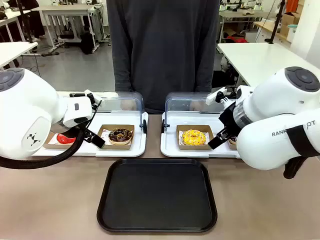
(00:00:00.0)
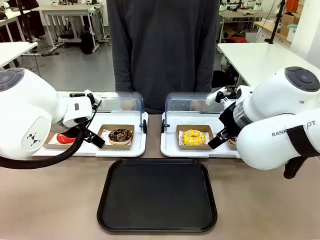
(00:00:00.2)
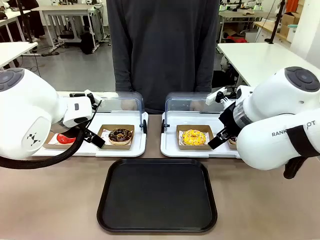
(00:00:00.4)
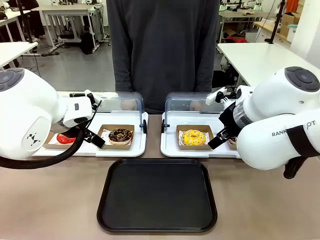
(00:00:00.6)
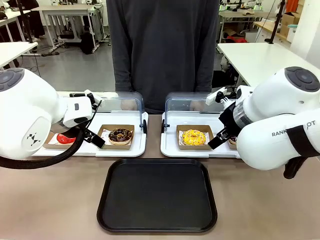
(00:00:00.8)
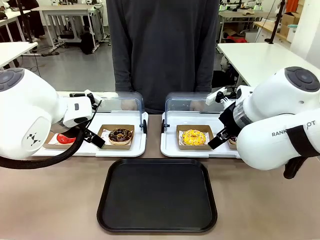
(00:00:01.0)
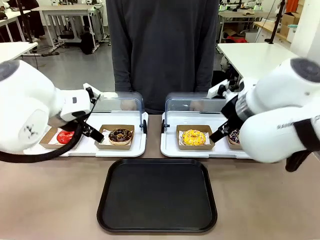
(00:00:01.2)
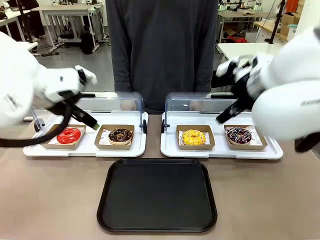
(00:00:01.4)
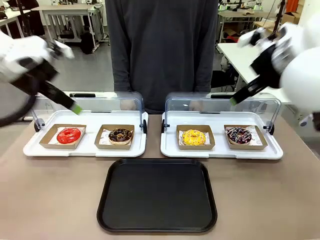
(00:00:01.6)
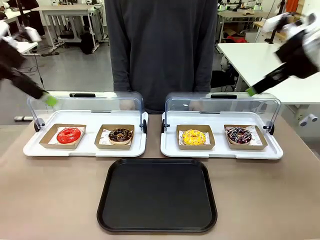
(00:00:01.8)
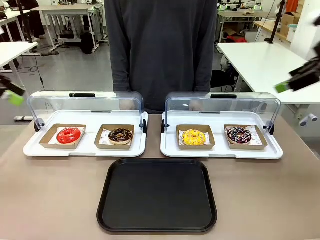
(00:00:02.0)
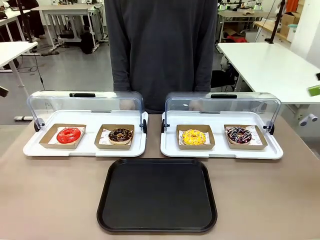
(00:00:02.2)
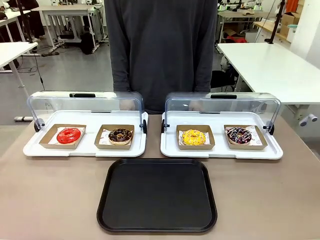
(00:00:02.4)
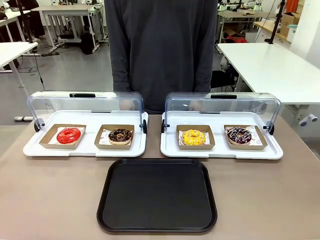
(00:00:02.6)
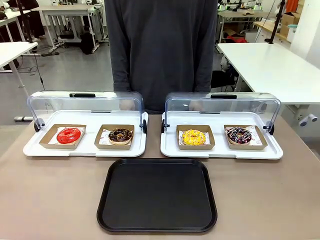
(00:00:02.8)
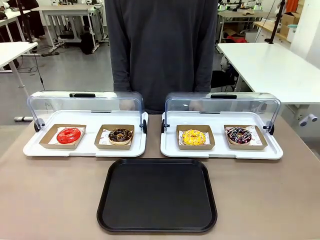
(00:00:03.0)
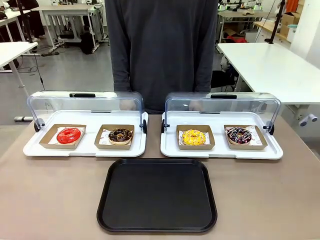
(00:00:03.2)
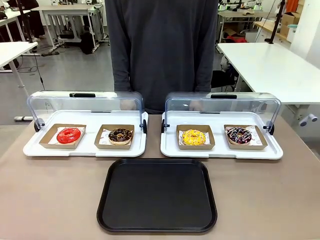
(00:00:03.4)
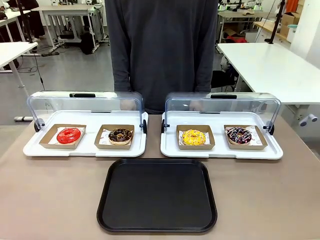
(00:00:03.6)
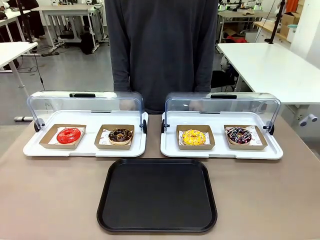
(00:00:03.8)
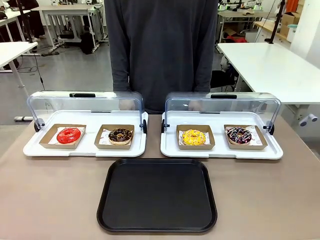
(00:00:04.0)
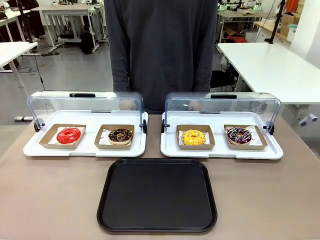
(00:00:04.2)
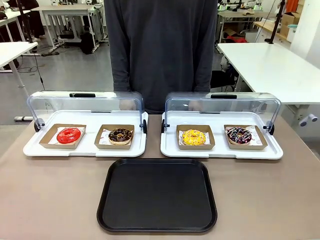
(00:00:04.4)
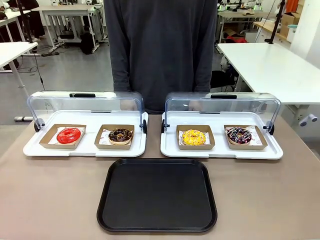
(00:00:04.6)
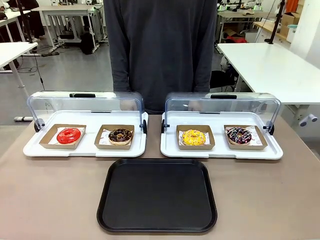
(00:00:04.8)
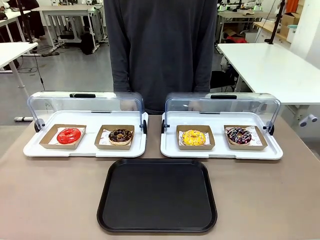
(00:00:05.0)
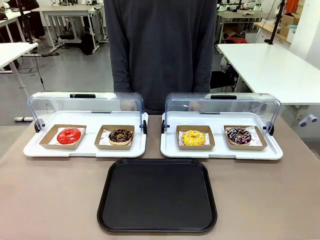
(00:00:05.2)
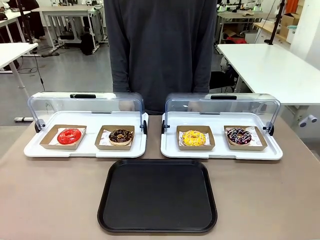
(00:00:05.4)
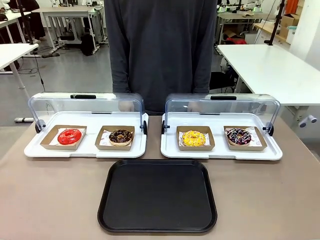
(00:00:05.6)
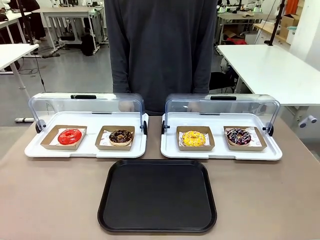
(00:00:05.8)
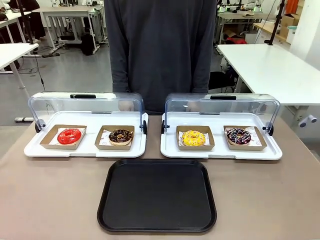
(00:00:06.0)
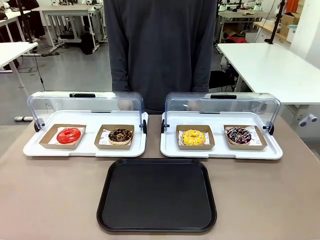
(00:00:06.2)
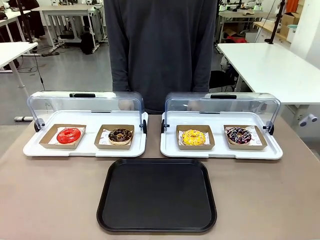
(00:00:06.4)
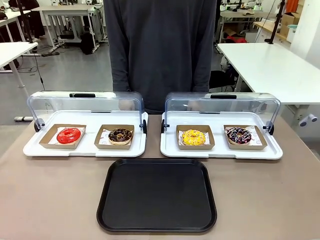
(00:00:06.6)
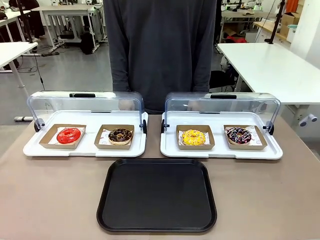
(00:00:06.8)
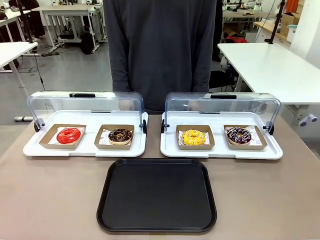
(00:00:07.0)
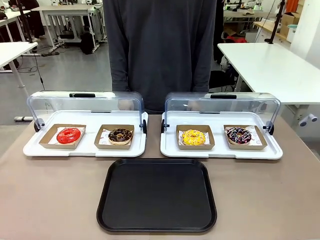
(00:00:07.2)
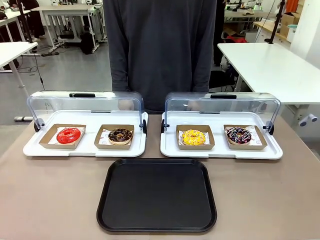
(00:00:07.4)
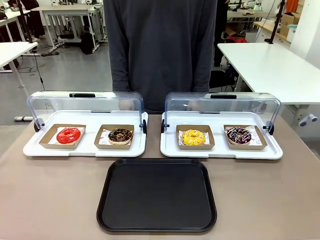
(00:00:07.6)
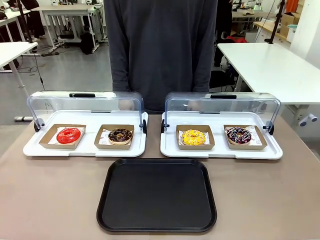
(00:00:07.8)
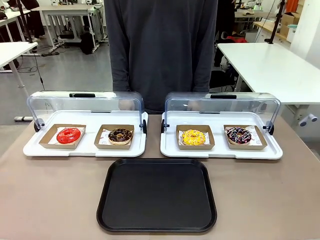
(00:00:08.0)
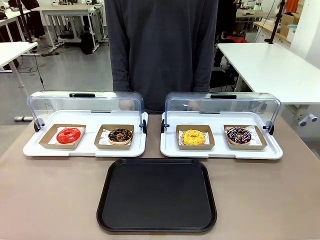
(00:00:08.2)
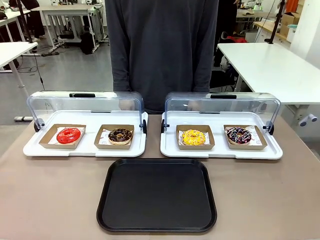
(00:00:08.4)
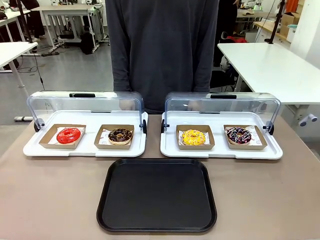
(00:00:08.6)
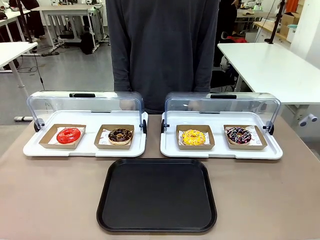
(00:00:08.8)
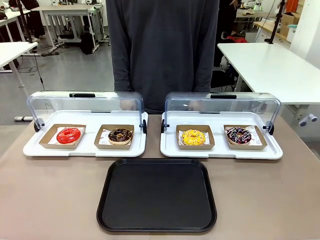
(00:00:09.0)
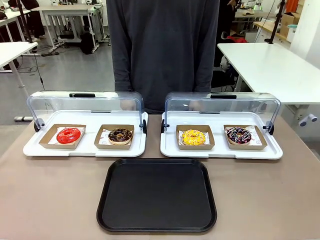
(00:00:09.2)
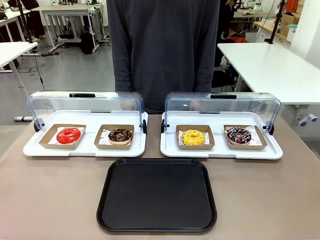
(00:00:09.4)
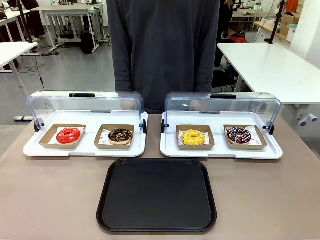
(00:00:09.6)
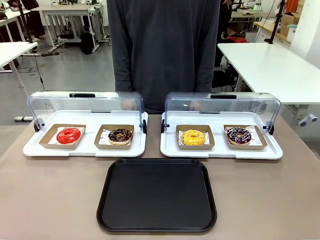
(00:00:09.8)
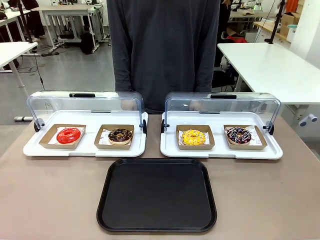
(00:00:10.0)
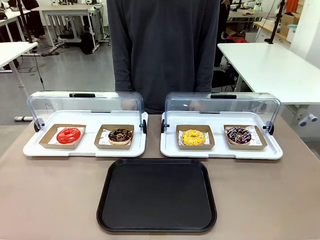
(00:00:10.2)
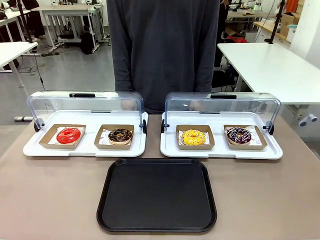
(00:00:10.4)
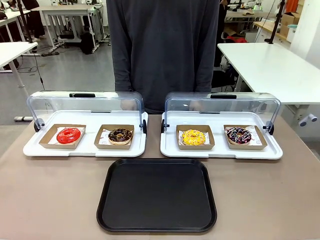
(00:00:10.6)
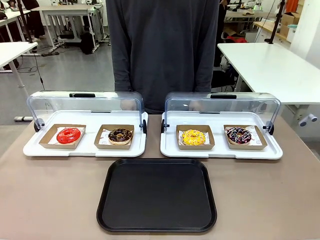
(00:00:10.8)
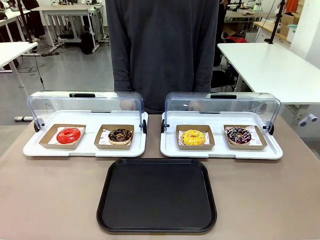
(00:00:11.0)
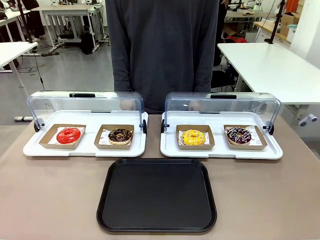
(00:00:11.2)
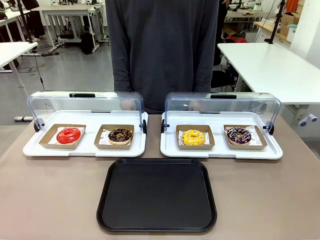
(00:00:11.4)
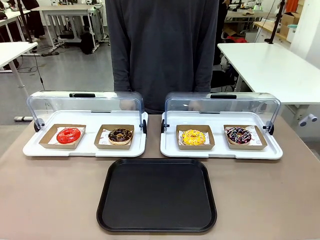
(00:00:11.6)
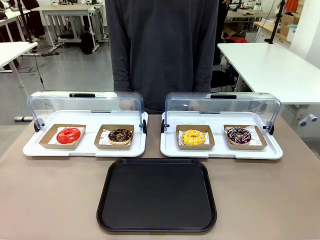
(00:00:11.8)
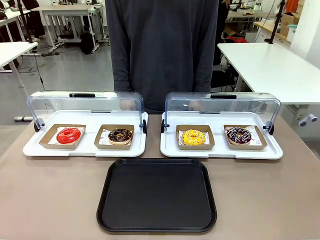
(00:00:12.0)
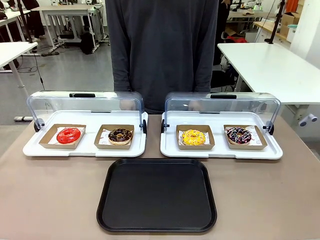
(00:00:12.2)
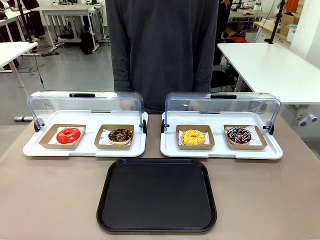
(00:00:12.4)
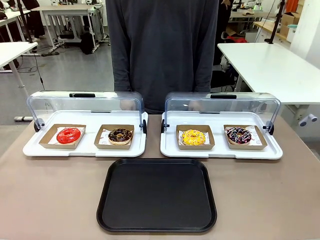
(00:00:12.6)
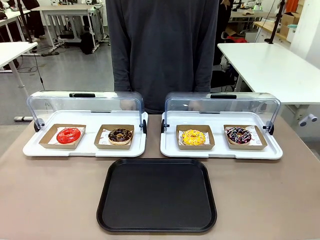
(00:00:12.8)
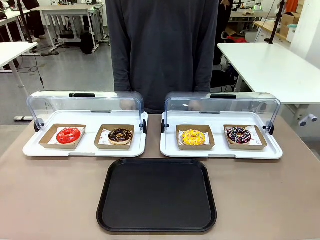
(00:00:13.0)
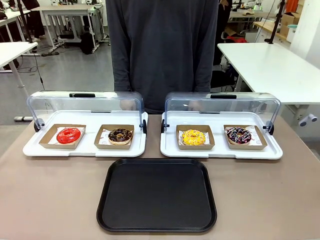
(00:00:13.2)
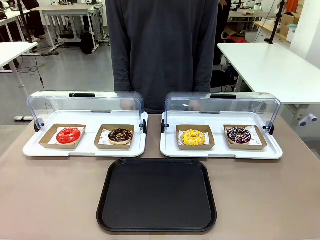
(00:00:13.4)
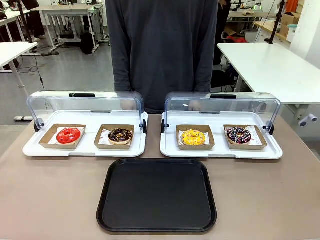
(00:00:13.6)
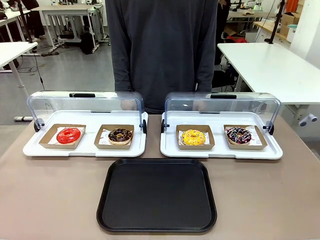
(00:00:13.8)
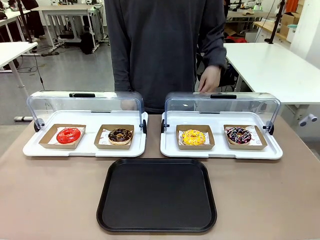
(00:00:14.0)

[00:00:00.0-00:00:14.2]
Task: Move the third donut from the left to the tray.
Robot: Pick up the Paper togo box containing the Donut indicated by the person and place it on the Handle tray.
